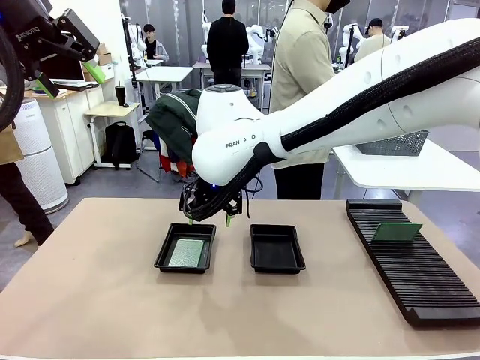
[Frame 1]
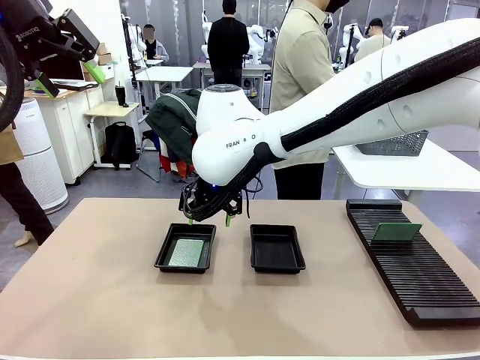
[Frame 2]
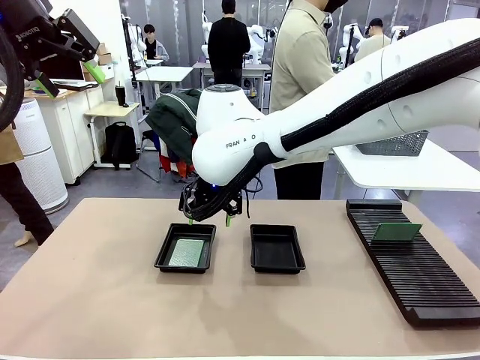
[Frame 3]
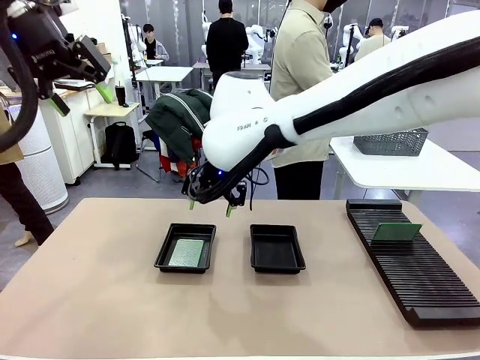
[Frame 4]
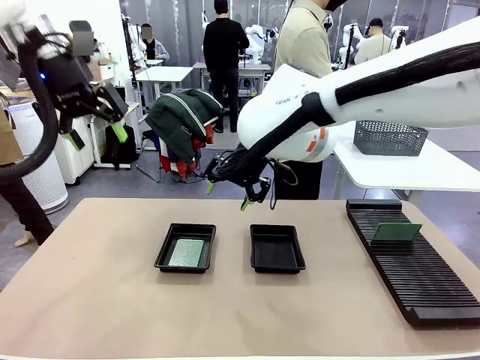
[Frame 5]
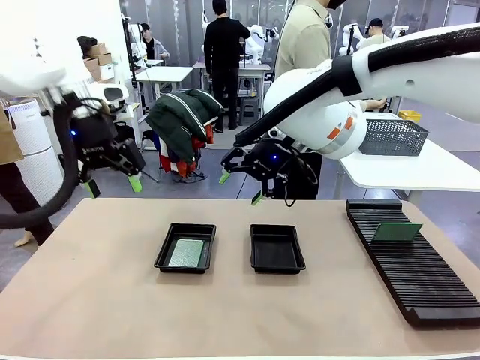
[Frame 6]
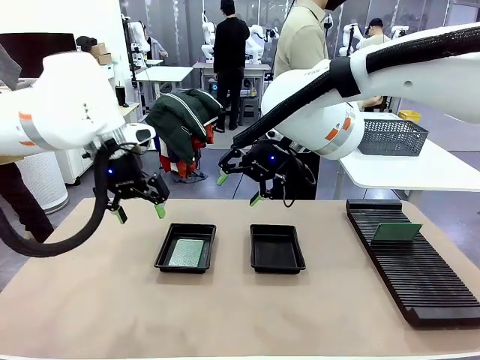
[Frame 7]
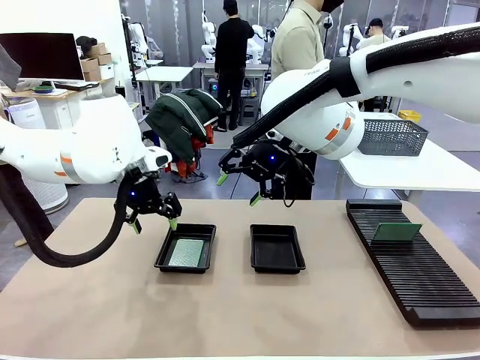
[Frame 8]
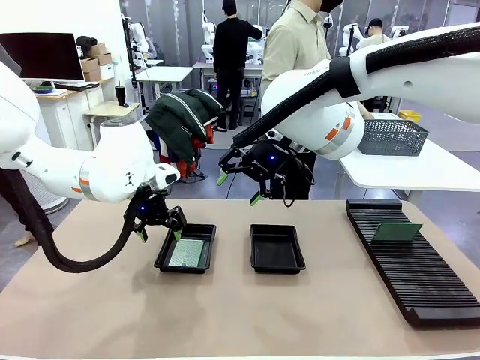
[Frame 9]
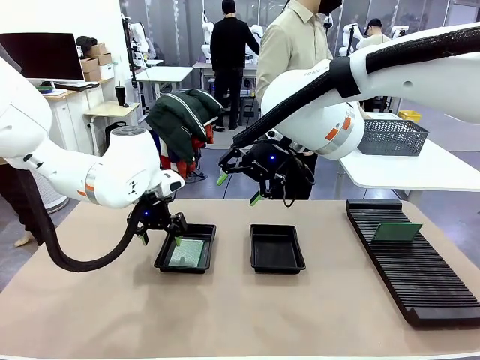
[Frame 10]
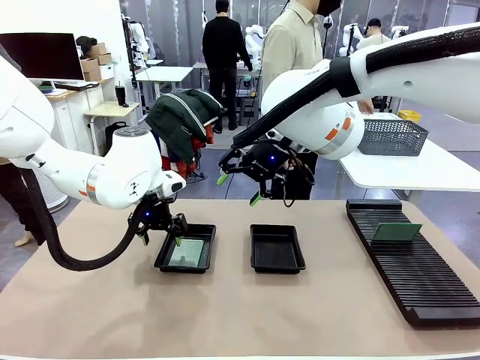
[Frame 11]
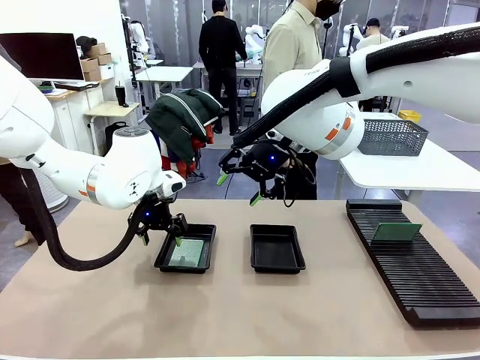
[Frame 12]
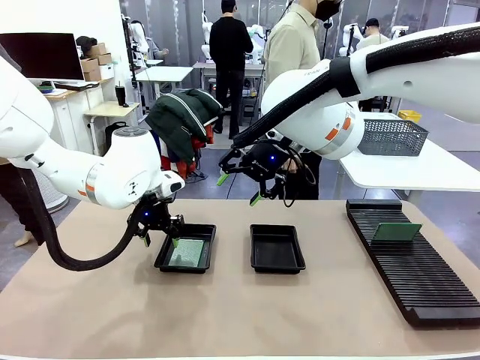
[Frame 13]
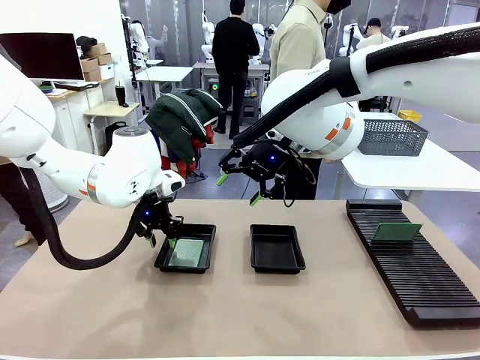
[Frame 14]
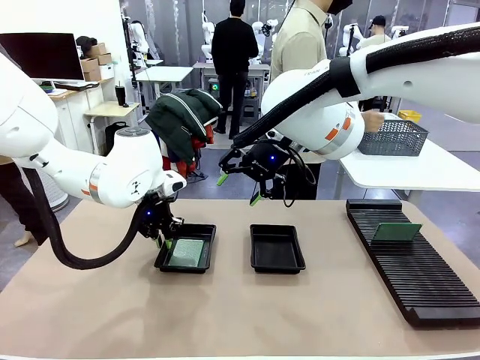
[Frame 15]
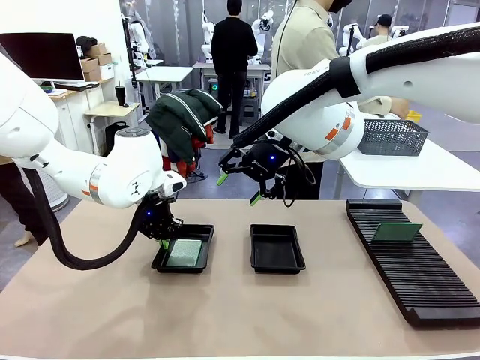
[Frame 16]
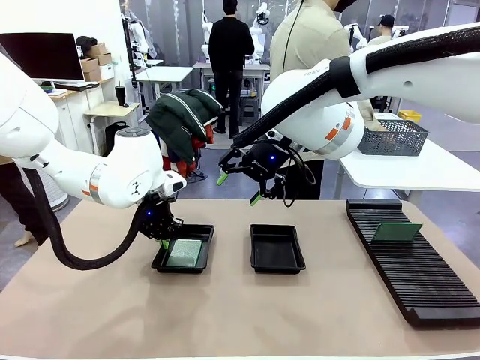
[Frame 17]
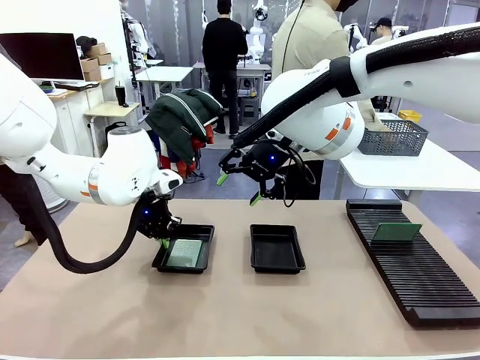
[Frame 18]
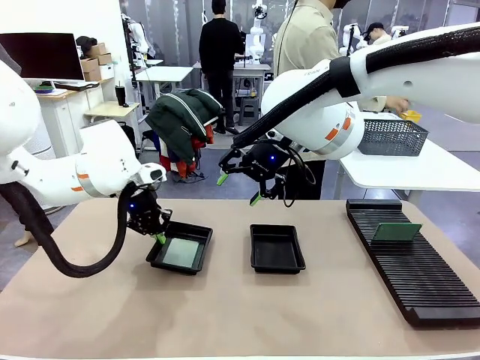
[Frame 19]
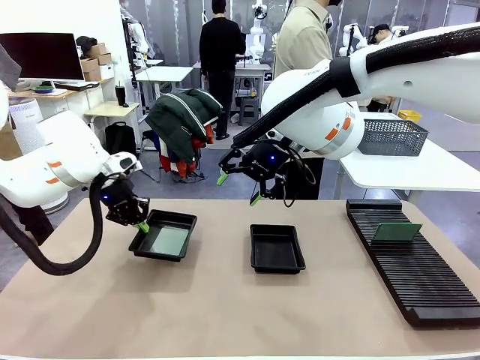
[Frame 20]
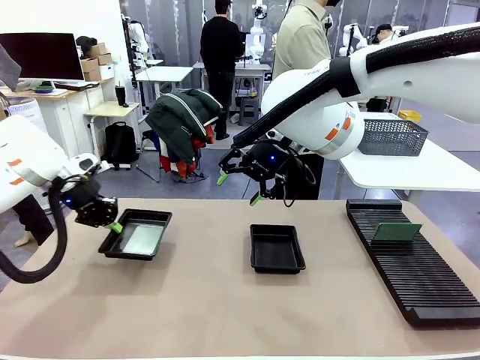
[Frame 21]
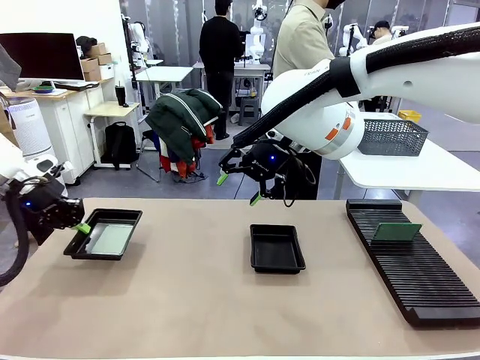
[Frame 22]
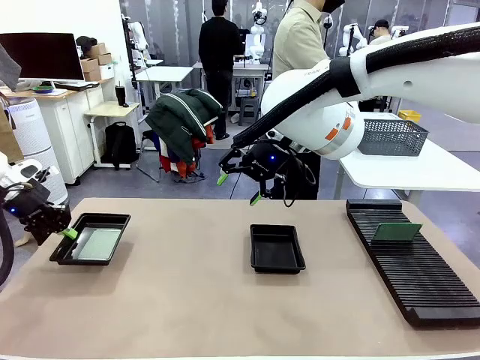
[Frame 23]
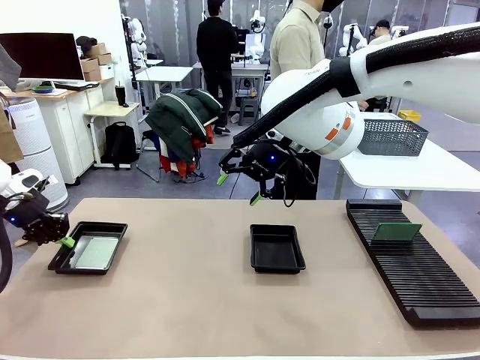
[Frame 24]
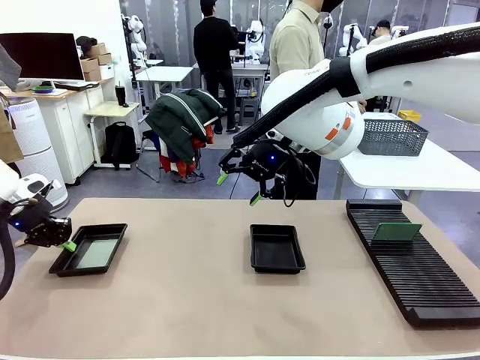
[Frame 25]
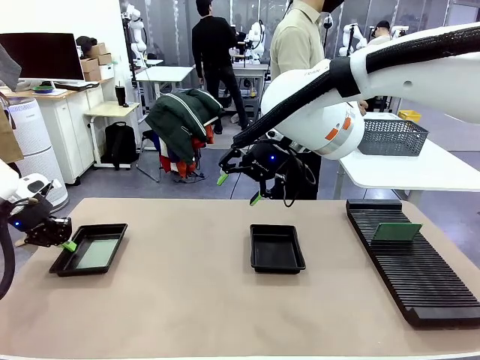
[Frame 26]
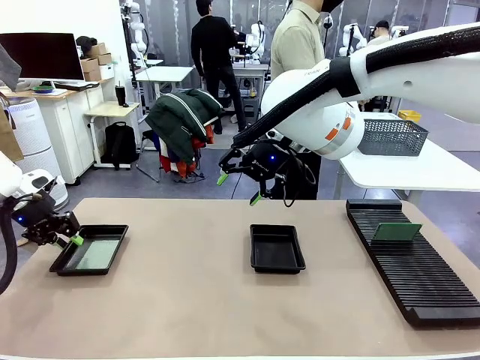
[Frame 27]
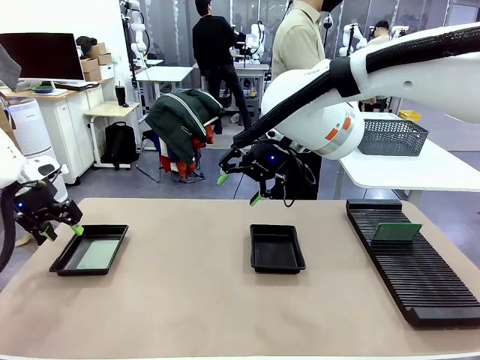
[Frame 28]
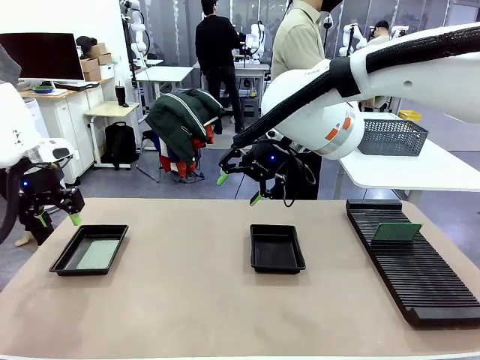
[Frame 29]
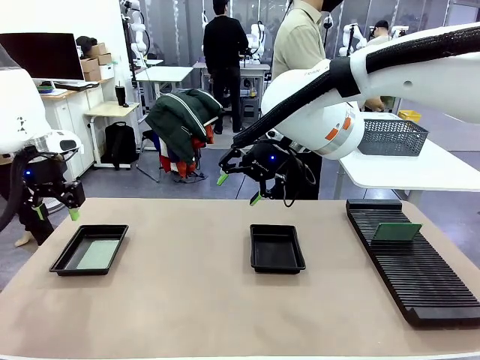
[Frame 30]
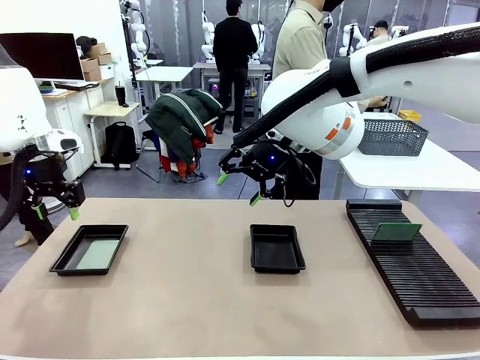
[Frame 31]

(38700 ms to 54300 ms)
Task: Inspect and transfer BCBs to ESD trays.
Robot: Pick up the ESD tray and place it on the left side of the table.

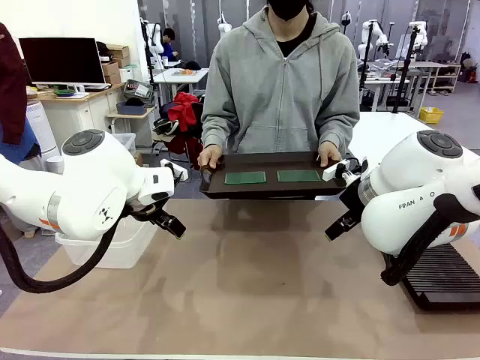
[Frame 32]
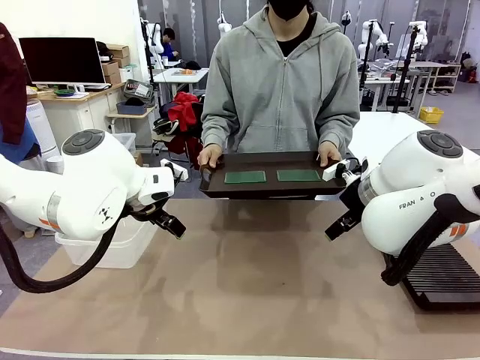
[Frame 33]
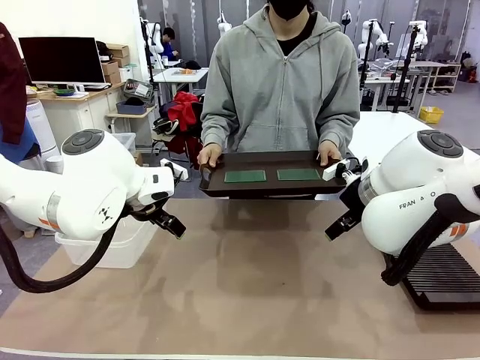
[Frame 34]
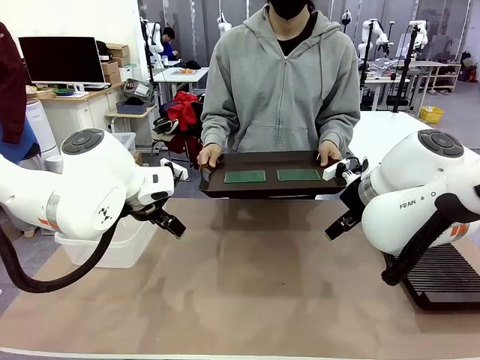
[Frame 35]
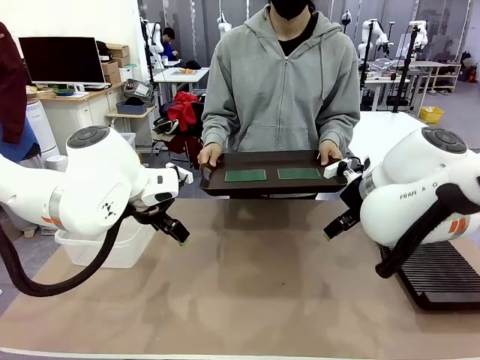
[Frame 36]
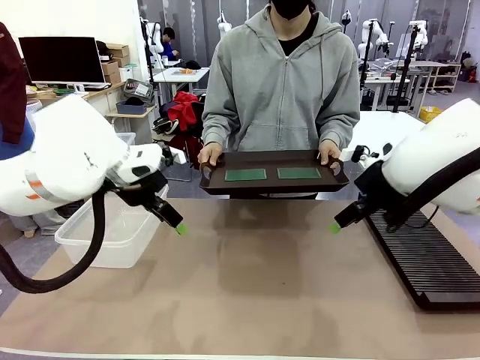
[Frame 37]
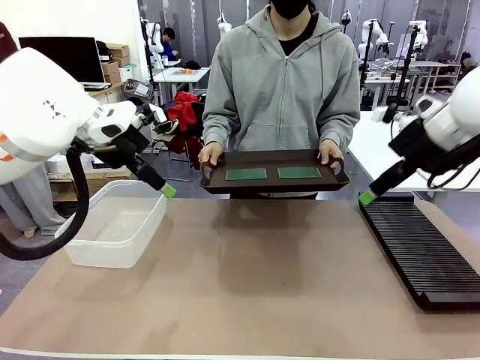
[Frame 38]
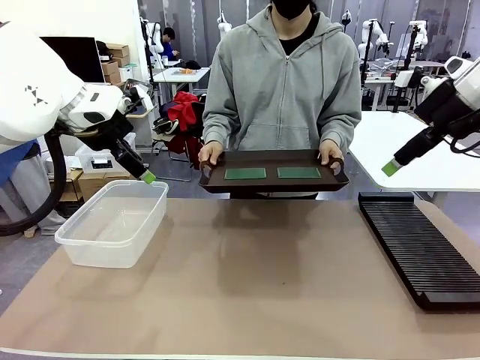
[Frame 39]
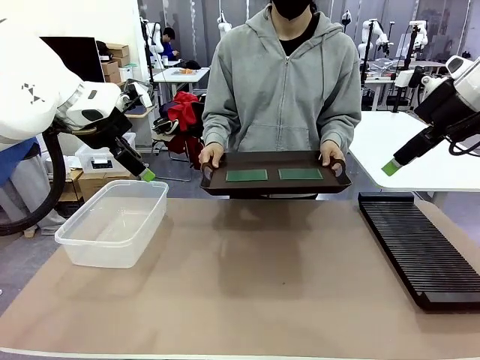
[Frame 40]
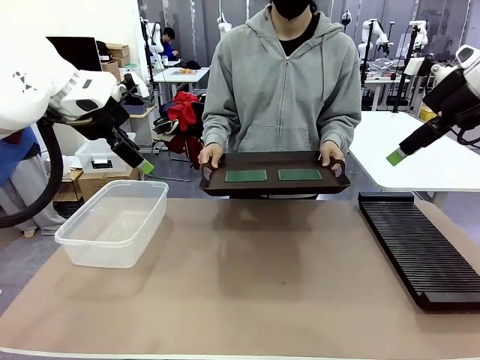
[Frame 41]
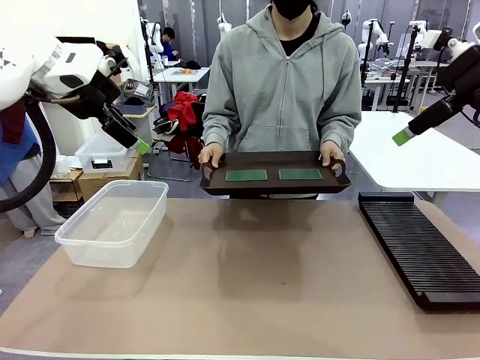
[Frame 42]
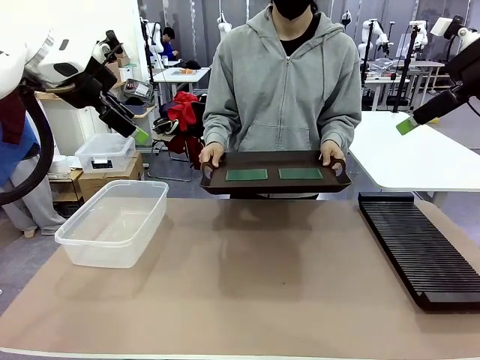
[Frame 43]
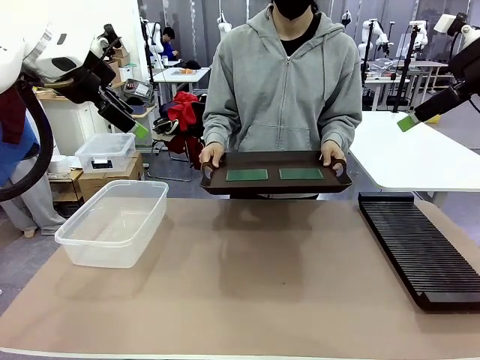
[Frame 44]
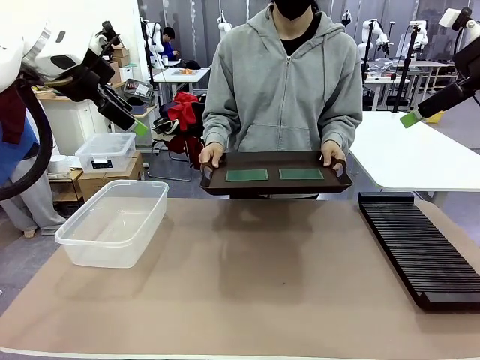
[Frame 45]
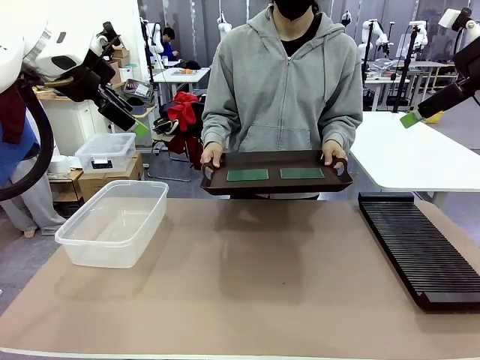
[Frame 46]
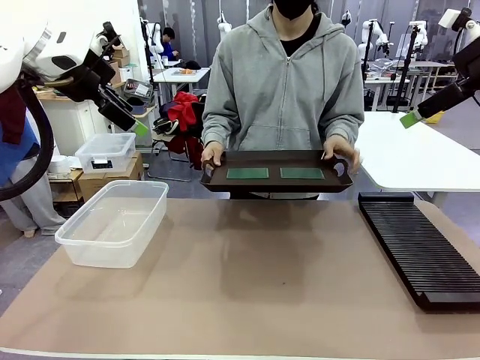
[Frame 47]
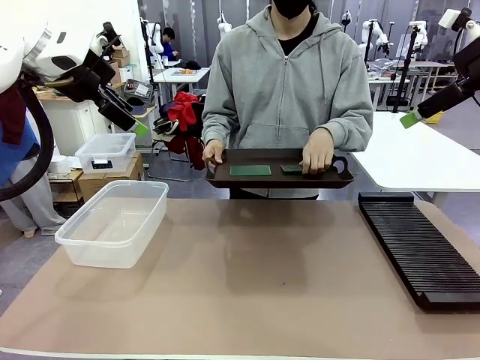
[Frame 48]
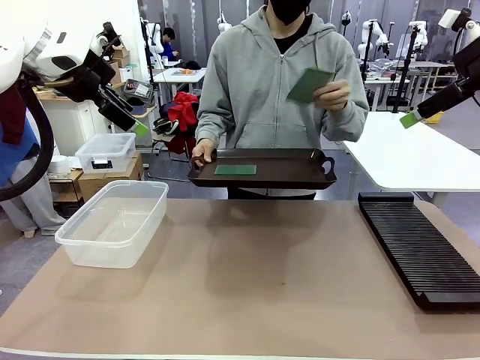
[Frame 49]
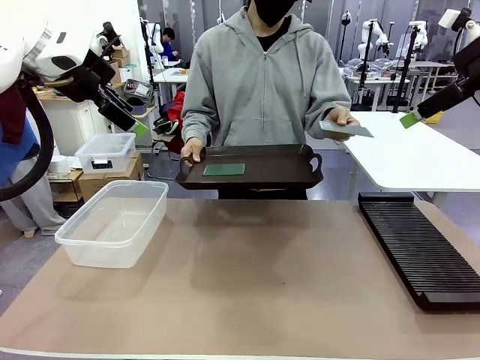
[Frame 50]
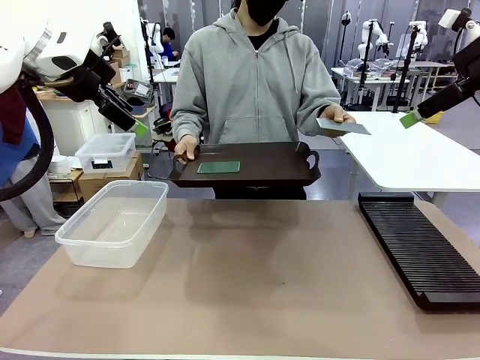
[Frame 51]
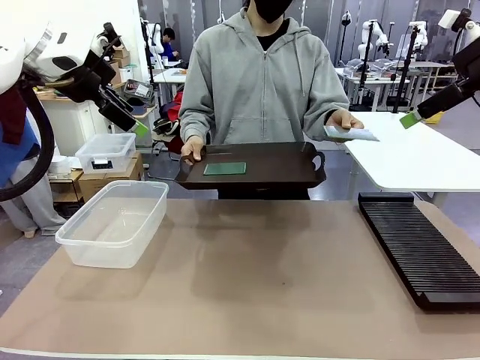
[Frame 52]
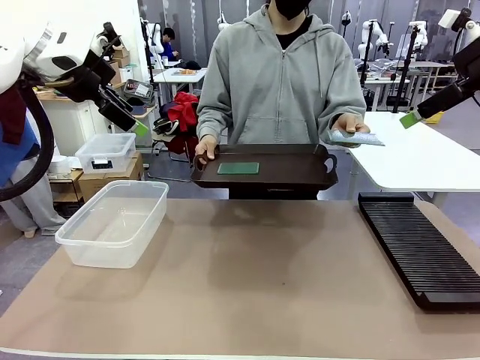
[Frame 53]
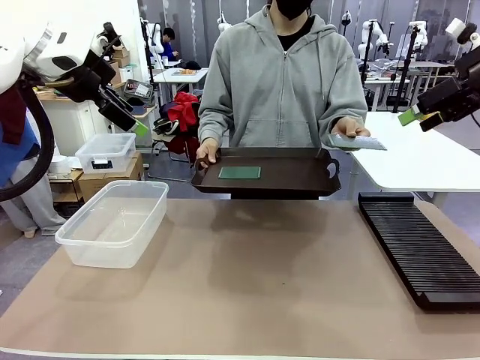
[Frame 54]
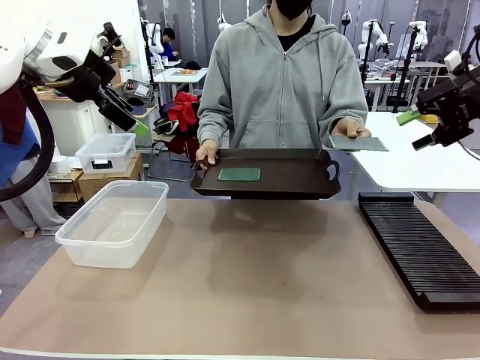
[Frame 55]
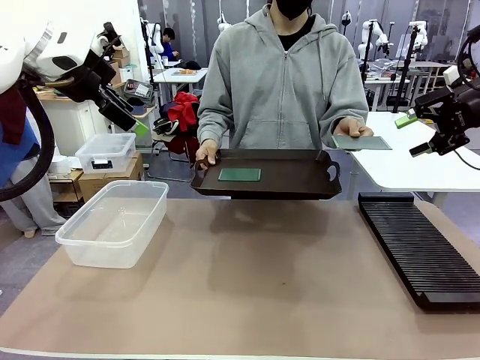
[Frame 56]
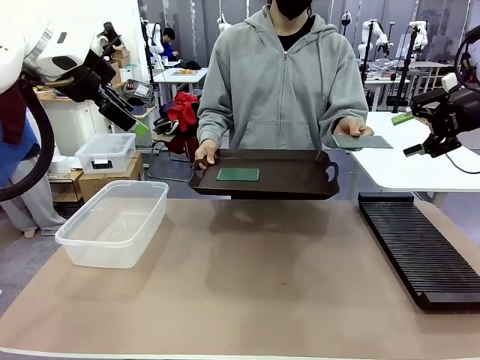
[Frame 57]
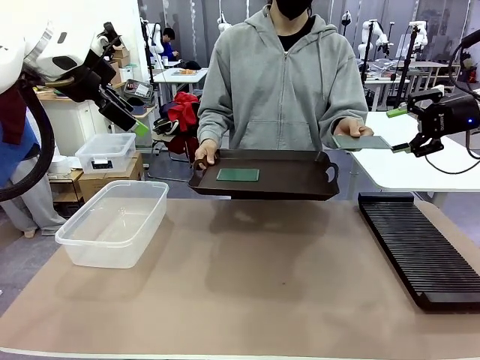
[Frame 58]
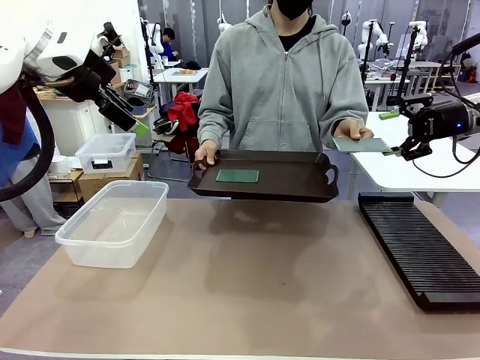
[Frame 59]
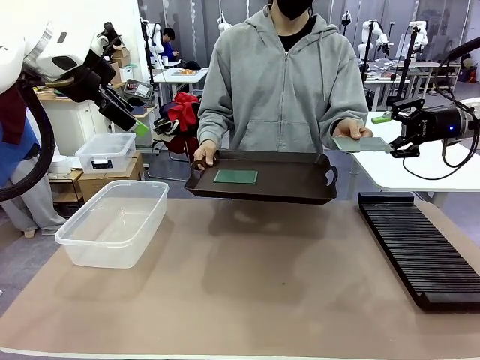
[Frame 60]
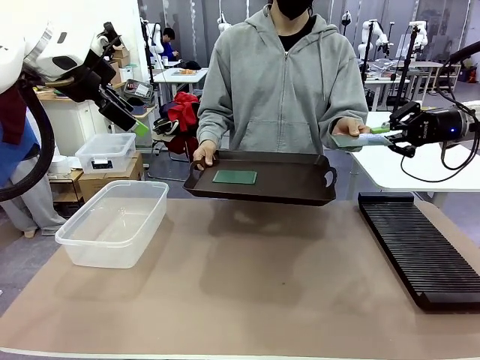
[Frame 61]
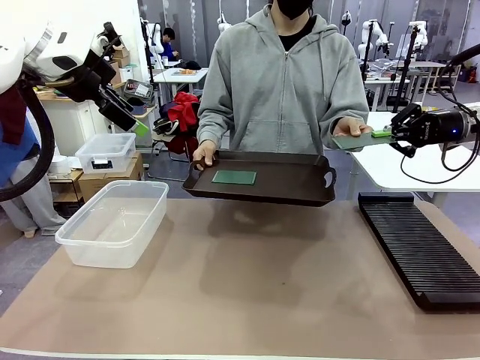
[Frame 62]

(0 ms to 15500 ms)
Task: Sort PCBs into racks and boxes based on the side picked up.
Robot: Pick up the Blank PCB handed by the Human.
Person: Pick one PCB from the tray and present it to the robot. Release the PCB being held.
